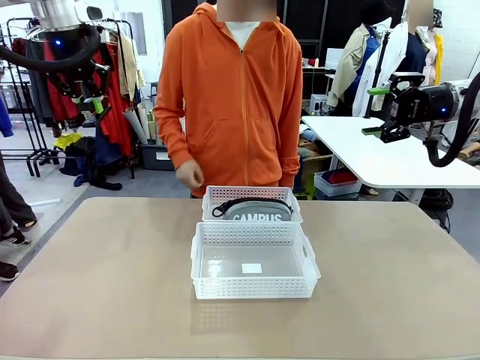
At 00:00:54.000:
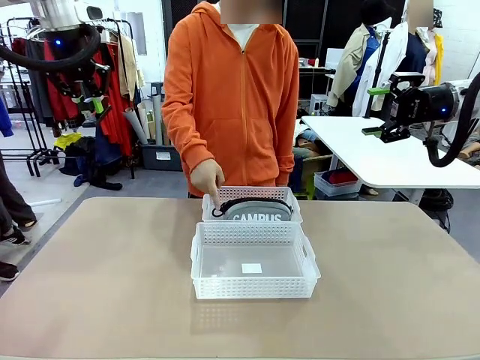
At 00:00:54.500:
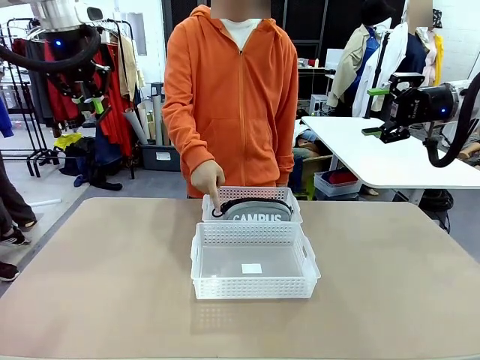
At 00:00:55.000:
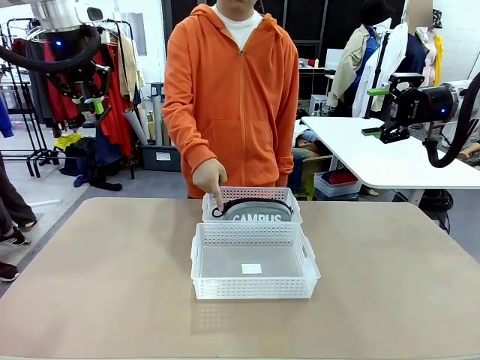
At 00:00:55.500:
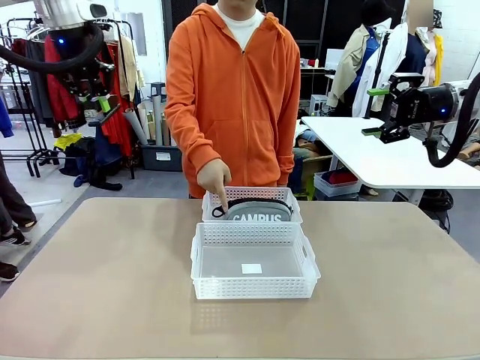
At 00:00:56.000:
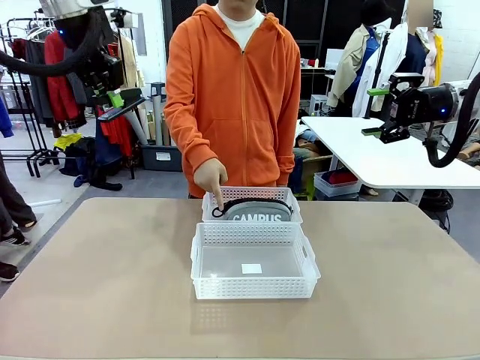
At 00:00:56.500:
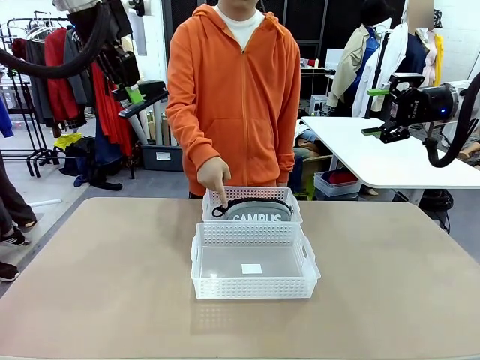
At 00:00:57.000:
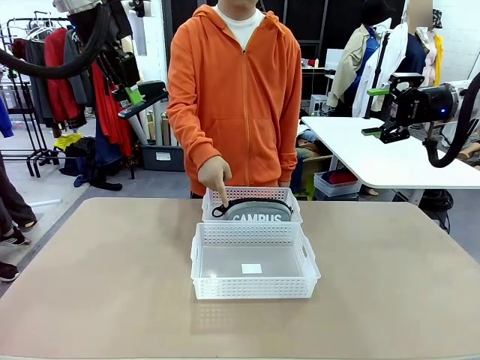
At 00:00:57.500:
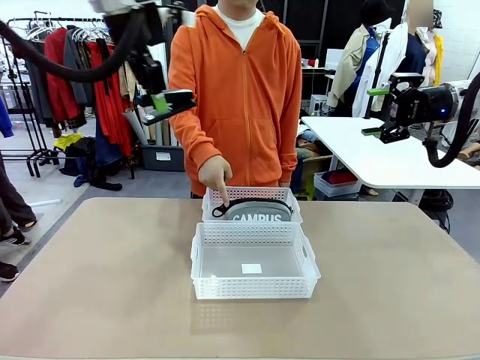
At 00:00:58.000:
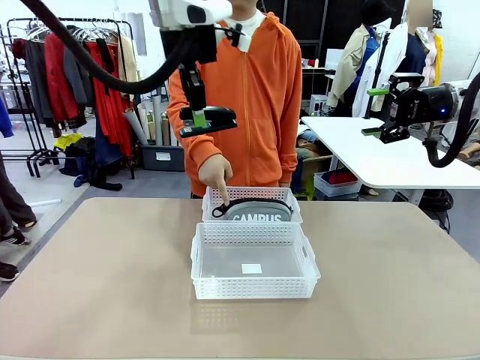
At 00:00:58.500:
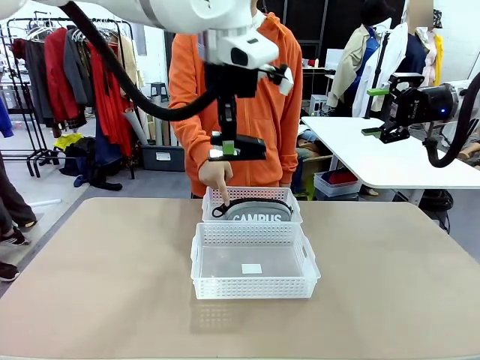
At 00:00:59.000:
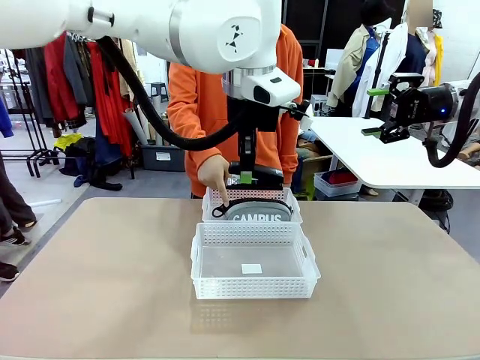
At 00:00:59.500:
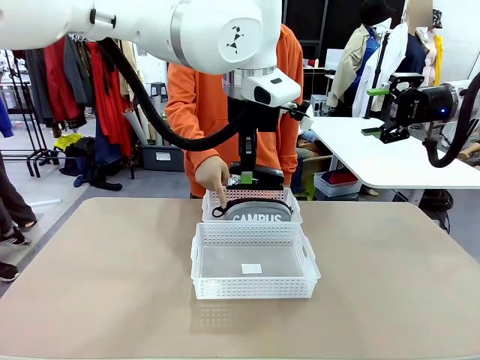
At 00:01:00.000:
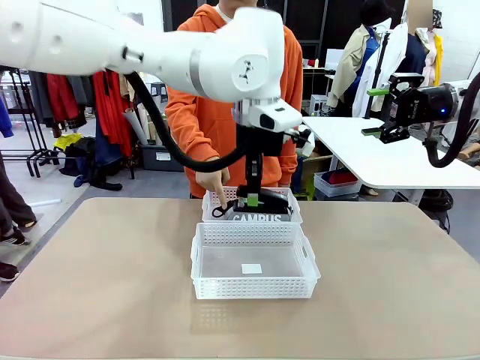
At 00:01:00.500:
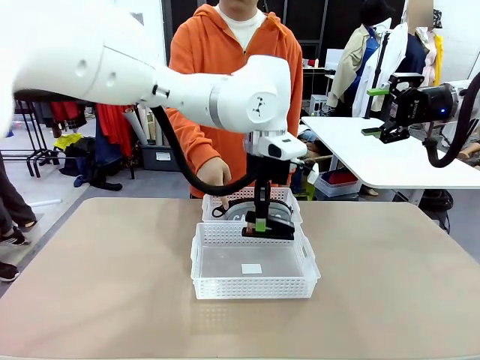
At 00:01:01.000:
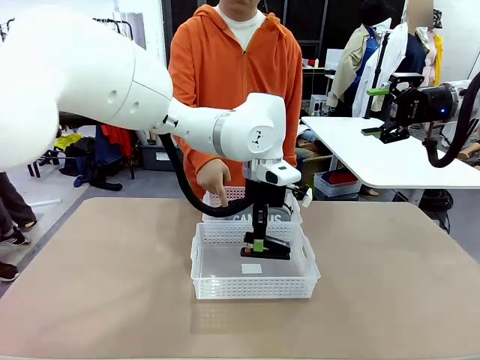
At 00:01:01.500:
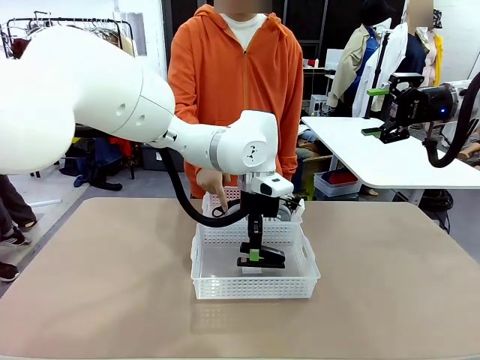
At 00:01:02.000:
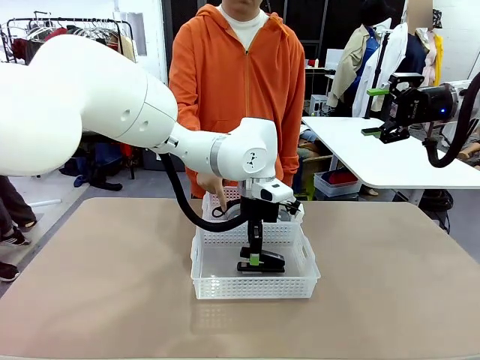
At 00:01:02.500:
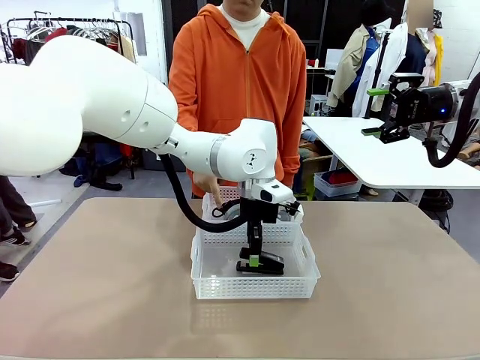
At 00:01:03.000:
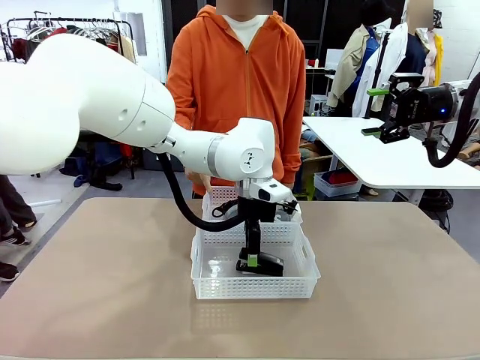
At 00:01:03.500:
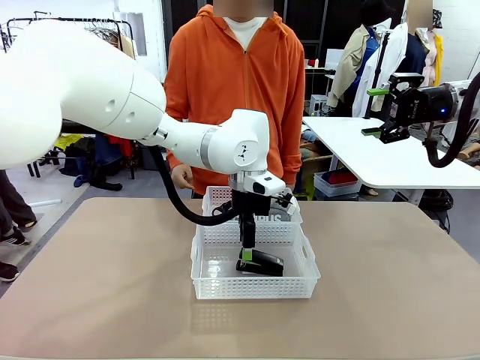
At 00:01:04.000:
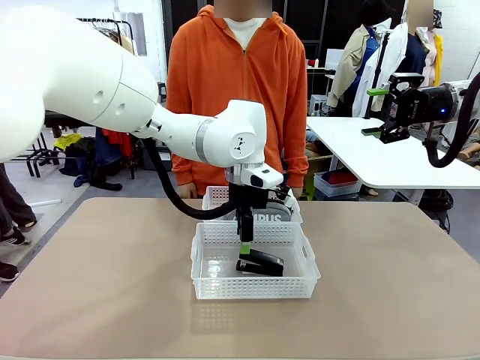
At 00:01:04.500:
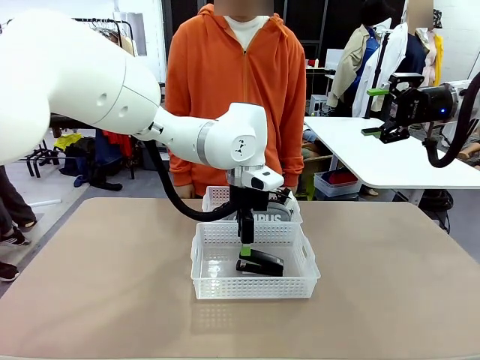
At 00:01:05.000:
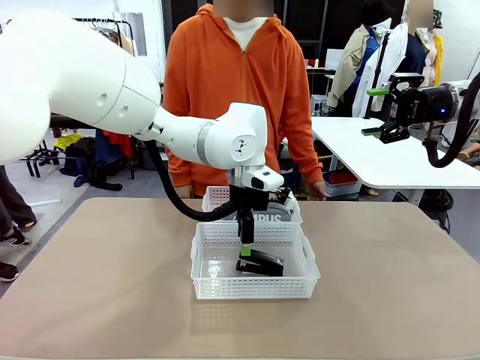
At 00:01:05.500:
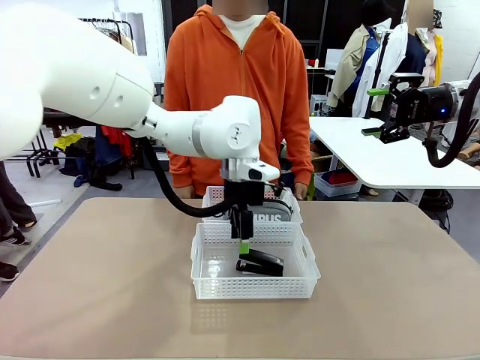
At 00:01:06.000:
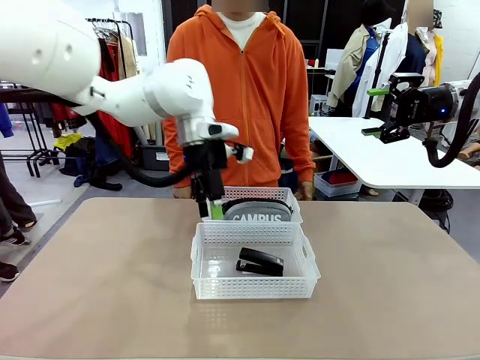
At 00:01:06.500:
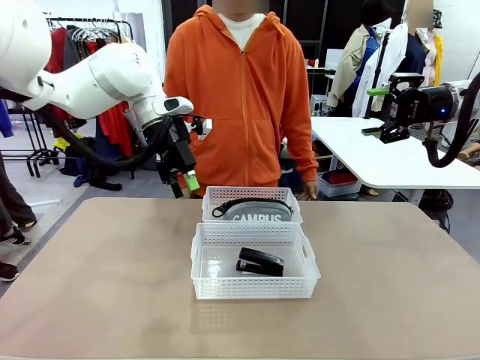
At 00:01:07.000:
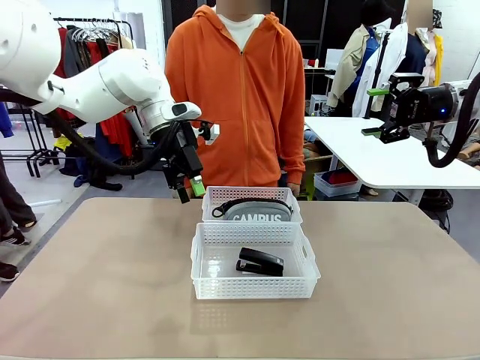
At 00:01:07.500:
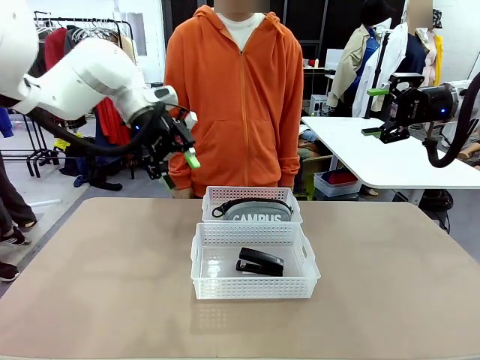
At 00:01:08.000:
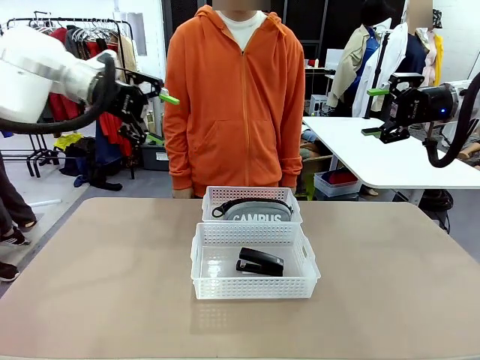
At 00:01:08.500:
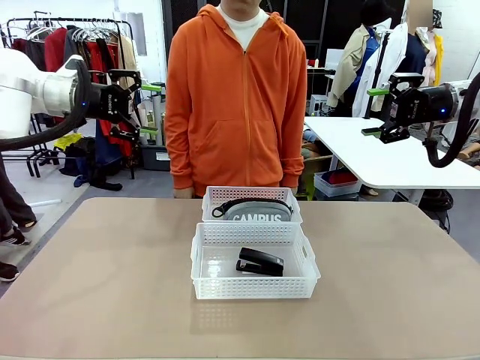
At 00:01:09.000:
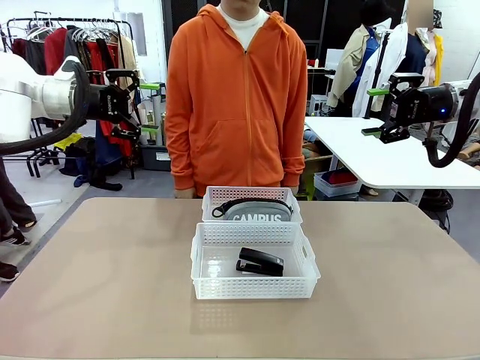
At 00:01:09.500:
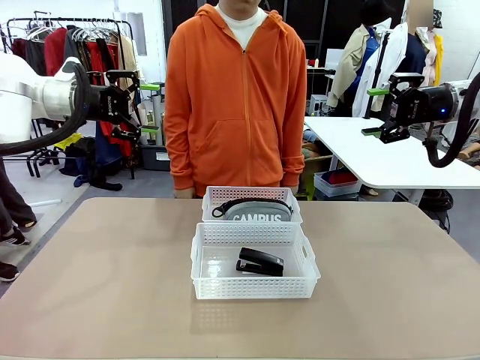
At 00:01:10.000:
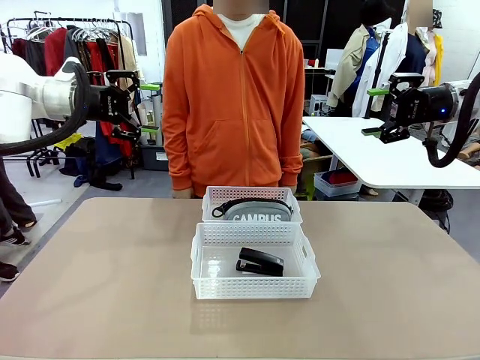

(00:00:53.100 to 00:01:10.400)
Task: Distribute items into two baskets.
Robot: Place the picked Stapler into the Organizing basket as instructed by the person.
Person: Points to the basket that does not contain the pencil case and instructs the robot to move the stapler there.

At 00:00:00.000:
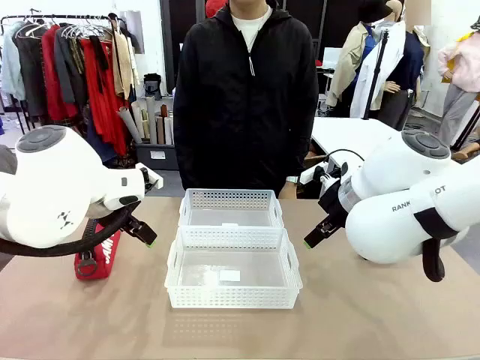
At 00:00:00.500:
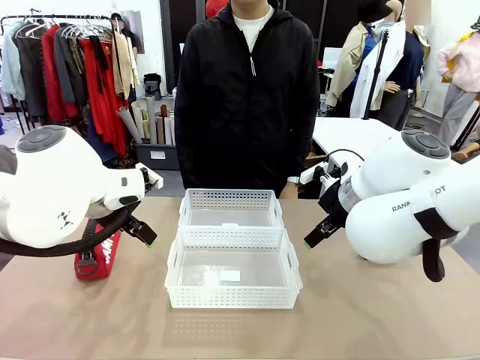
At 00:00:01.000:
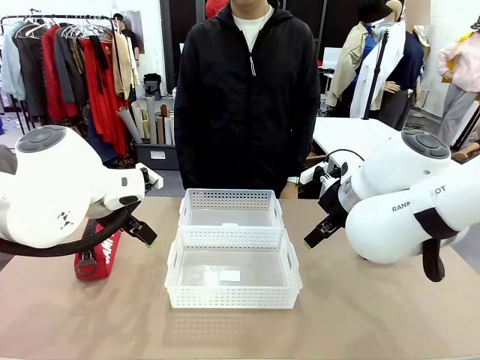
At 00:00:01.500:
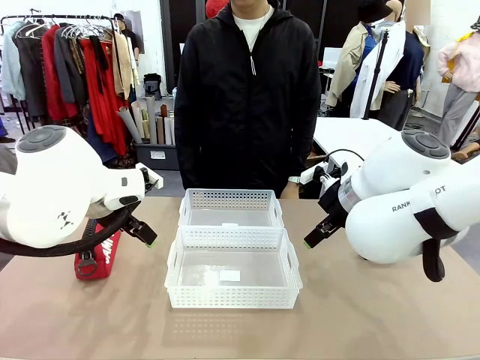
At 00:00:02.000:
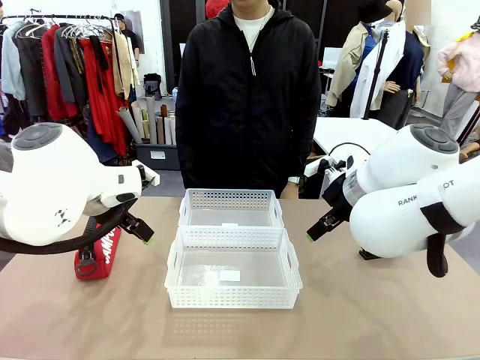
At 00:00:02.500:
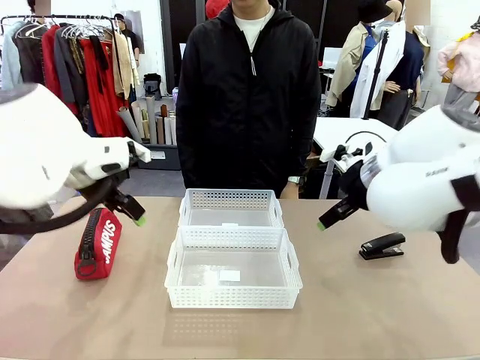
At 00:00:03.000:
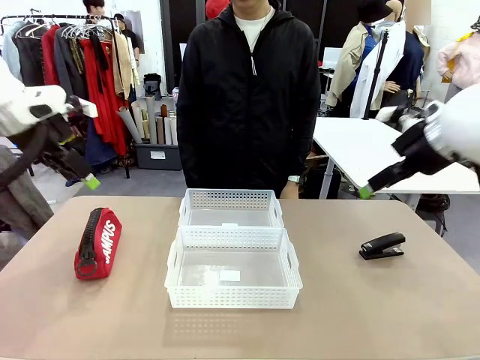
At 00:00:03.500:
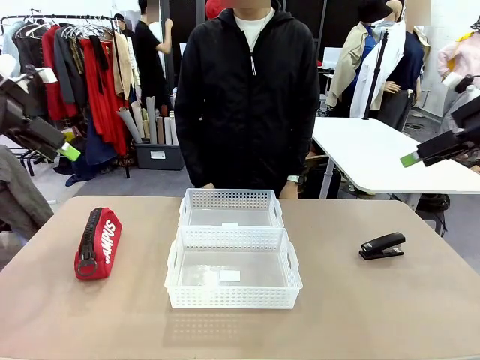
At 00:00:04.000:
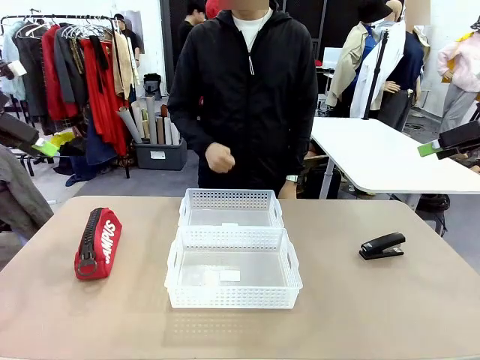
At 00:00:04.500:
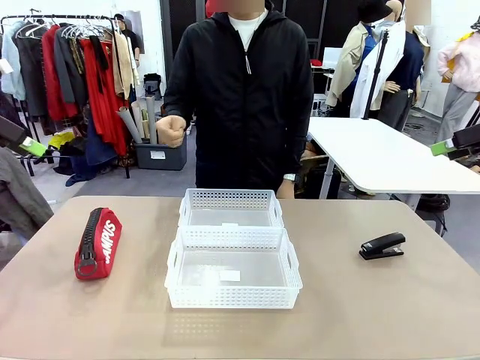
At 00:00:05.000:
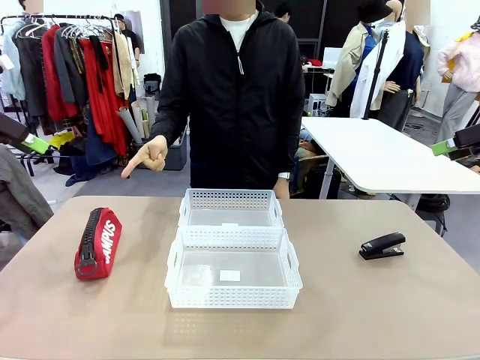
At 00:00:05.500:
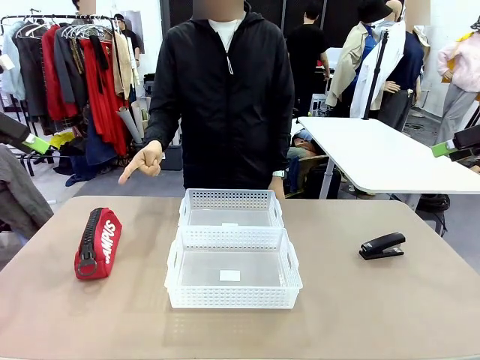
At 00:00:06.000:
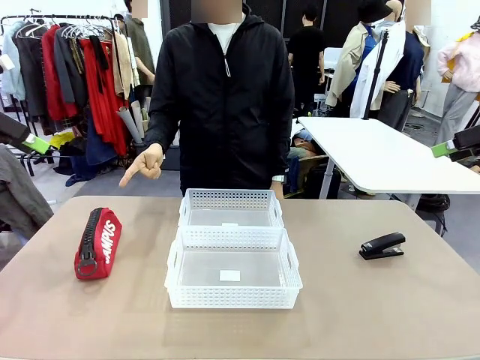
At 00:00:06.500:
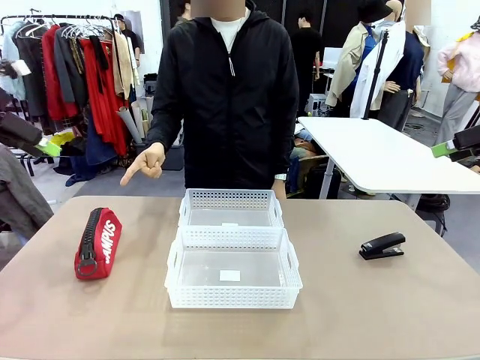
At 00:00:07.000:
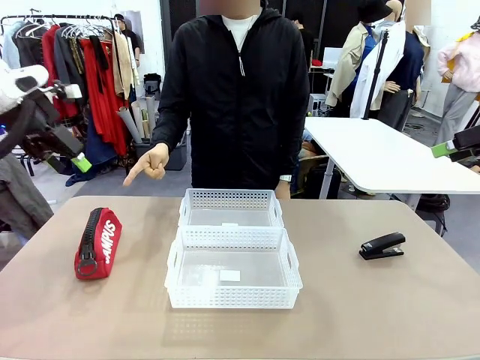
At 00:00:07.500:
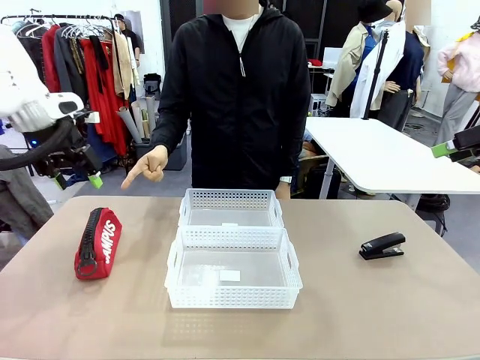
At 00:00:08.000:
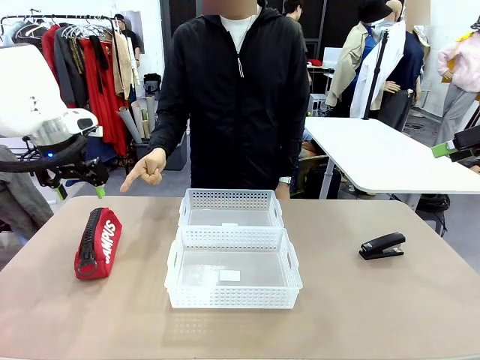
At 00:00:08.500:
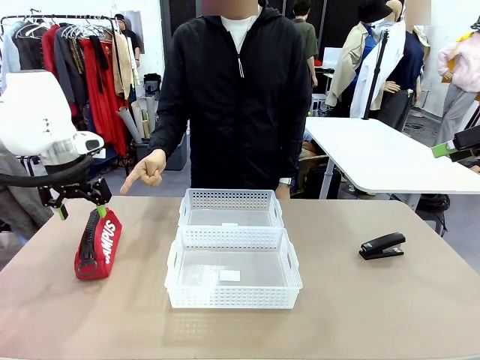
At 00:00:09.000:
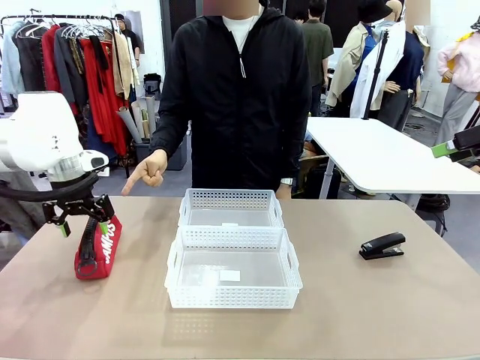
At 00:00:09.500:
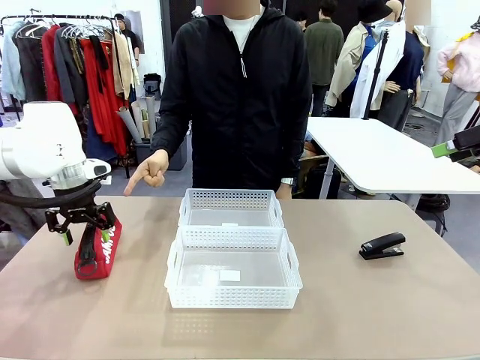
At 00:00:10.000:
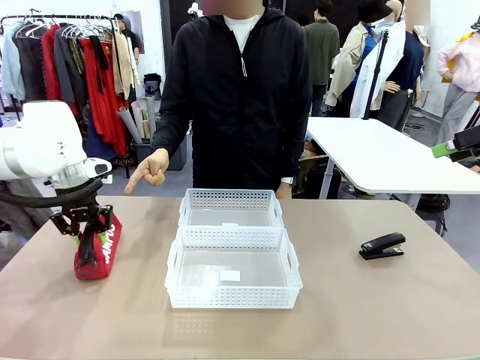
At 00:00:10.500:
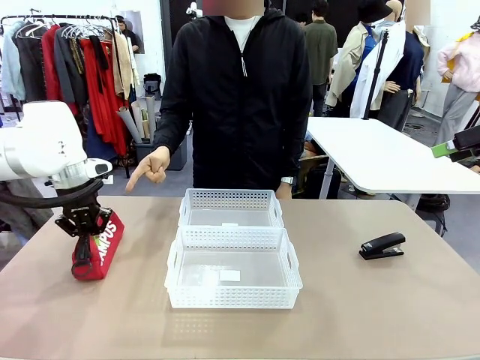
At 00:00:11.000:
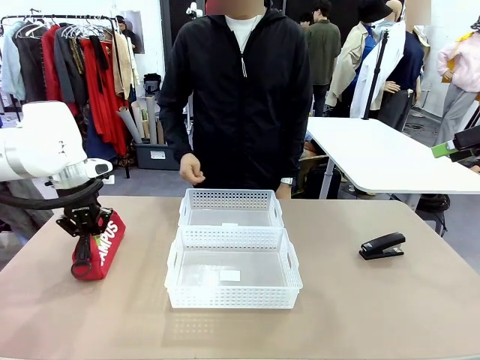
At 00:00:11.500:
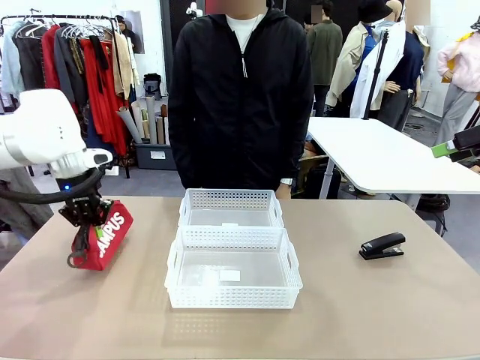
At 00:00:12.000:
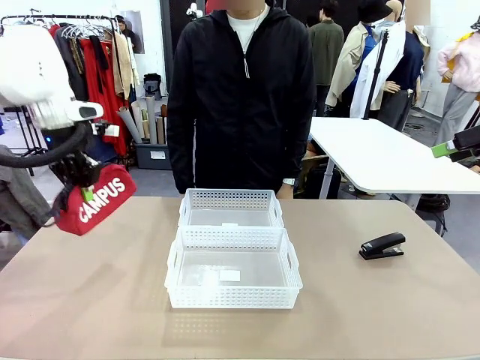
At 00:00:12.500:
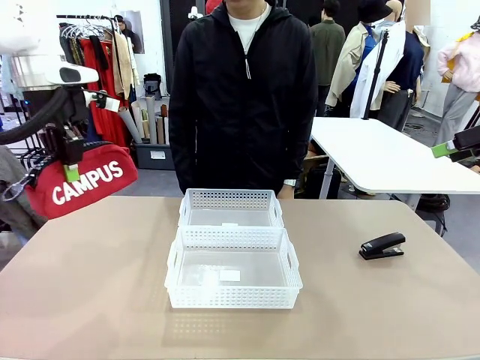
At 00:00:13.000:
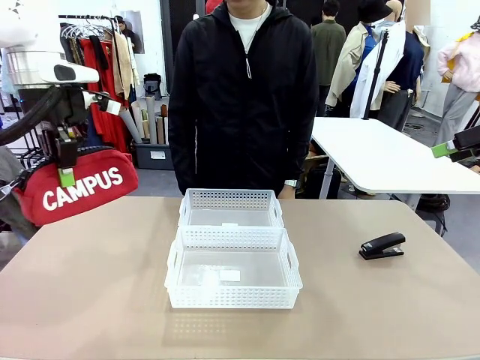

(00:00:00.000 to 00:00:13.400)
Task: Distribute items into two baskets.
Robot: Pick up the Pencil pouch that the person points to.
Person: Points to the pencil case. Points between the two organizing baskets and instructs the robot to move the pencil case.
